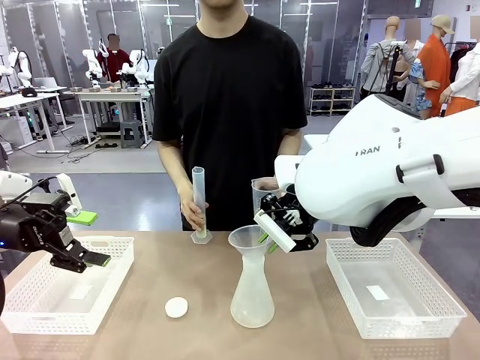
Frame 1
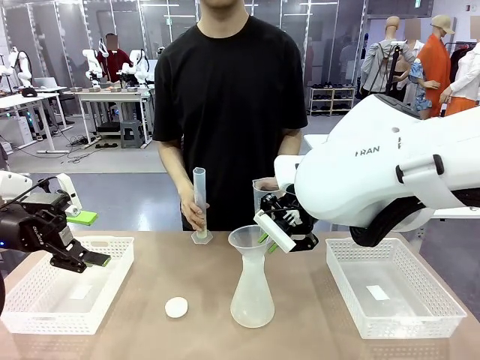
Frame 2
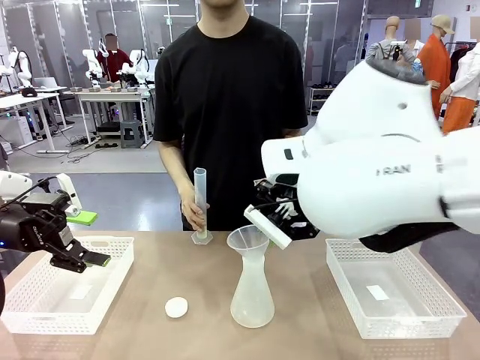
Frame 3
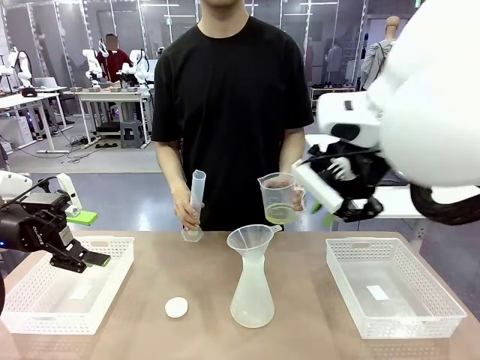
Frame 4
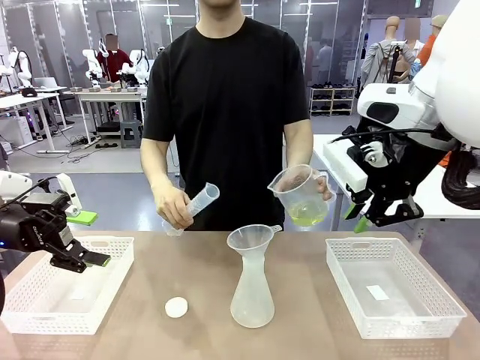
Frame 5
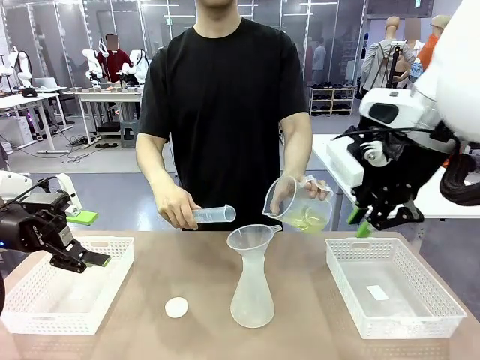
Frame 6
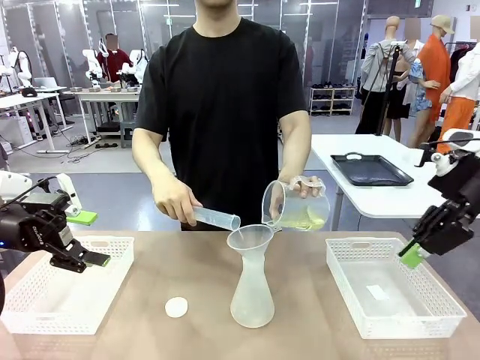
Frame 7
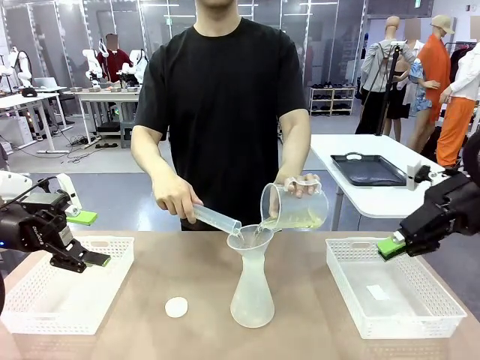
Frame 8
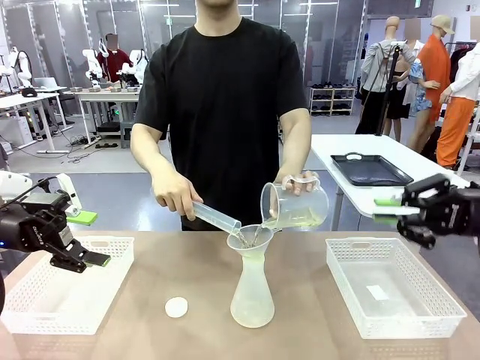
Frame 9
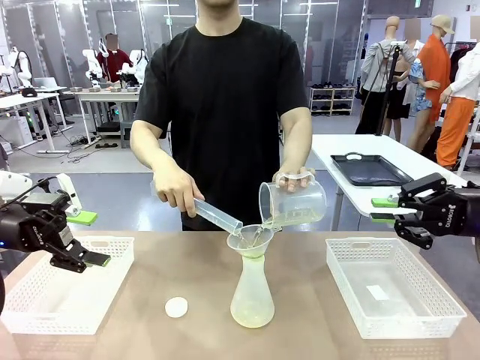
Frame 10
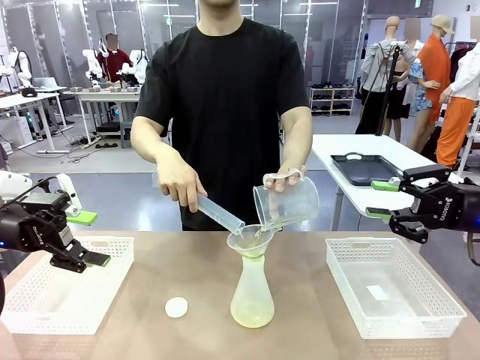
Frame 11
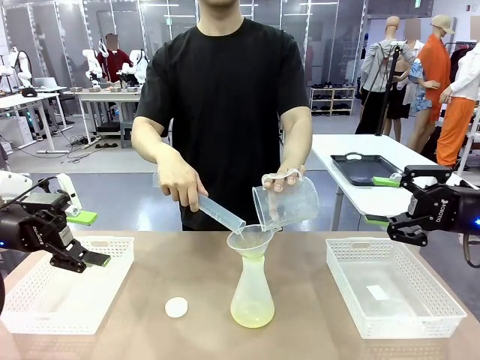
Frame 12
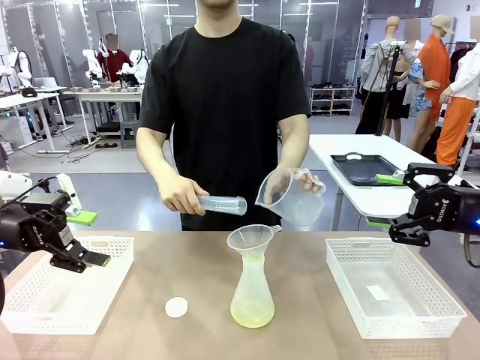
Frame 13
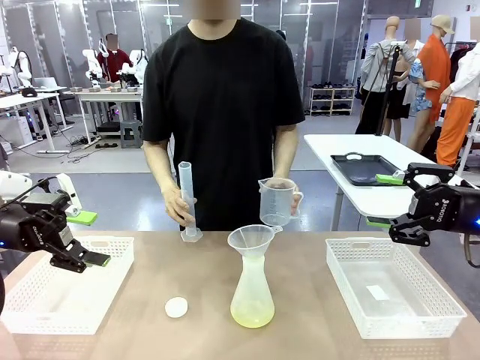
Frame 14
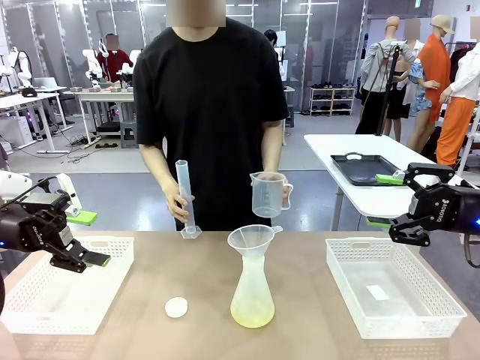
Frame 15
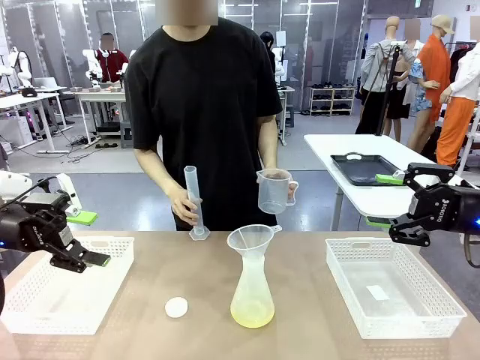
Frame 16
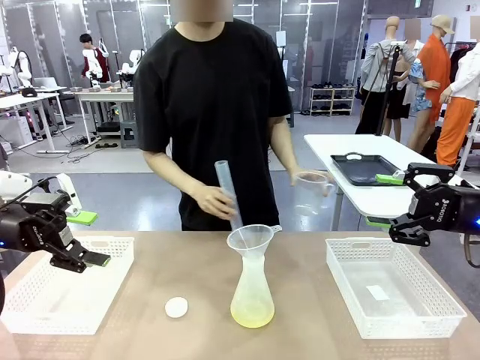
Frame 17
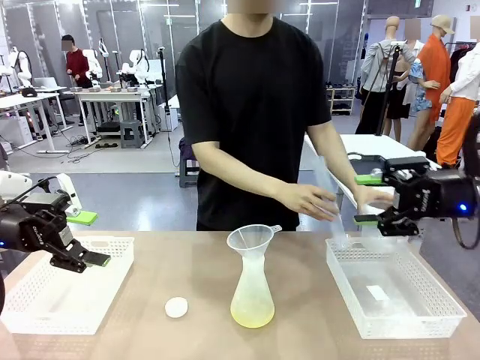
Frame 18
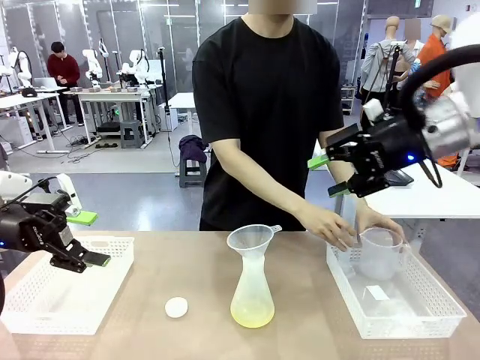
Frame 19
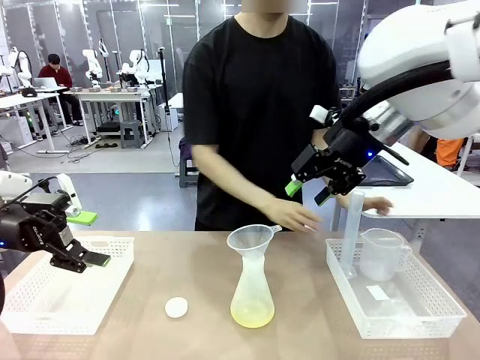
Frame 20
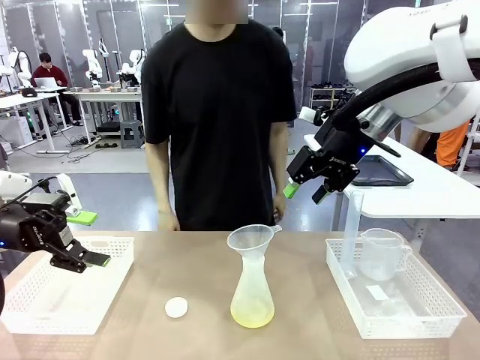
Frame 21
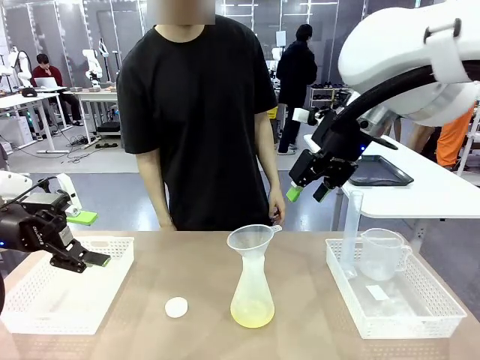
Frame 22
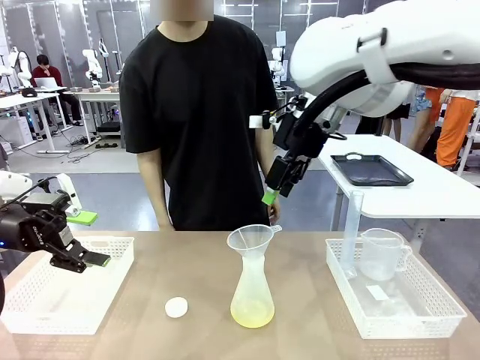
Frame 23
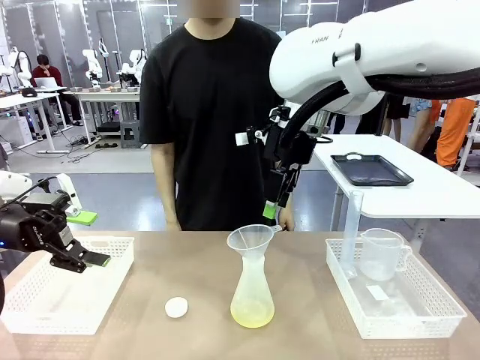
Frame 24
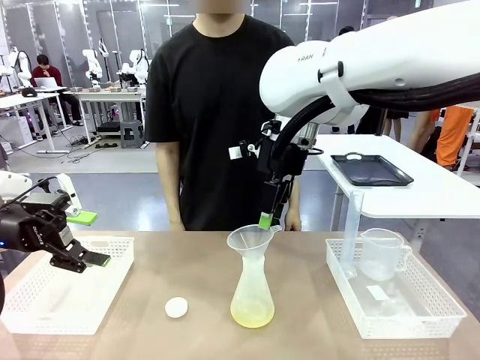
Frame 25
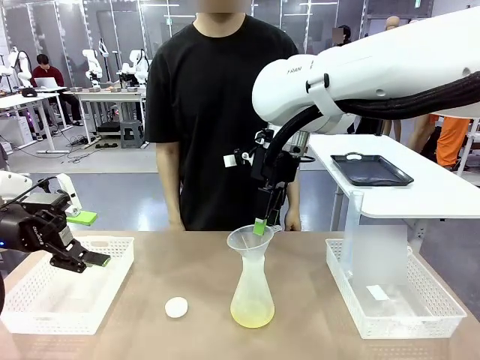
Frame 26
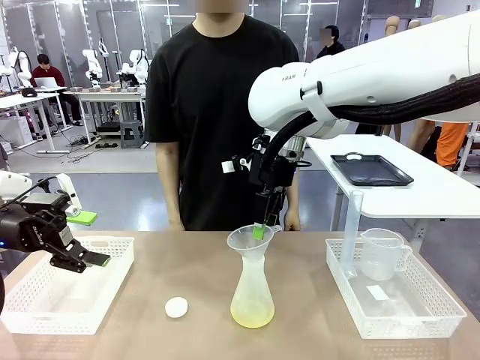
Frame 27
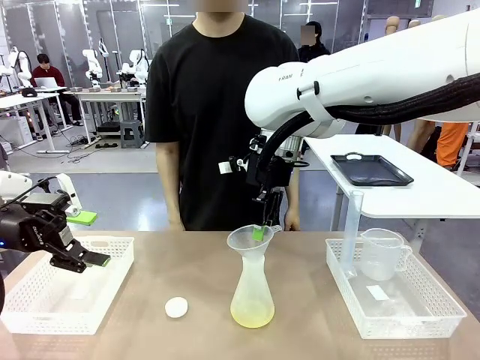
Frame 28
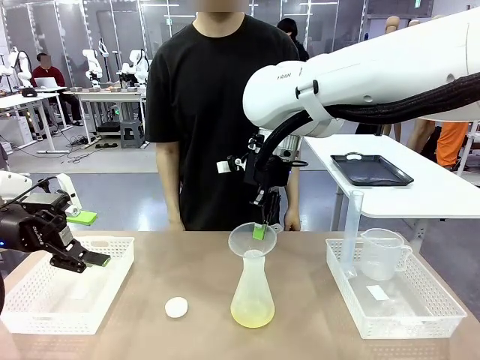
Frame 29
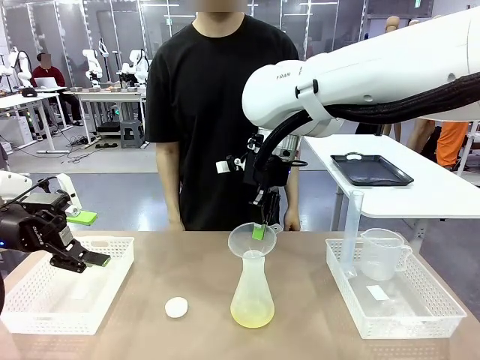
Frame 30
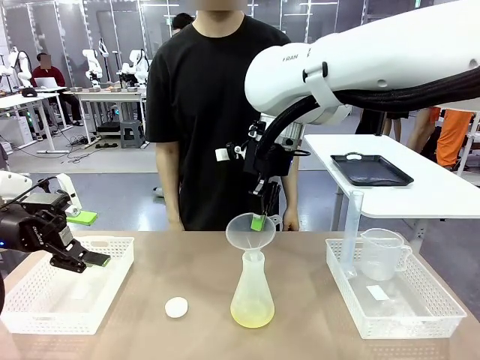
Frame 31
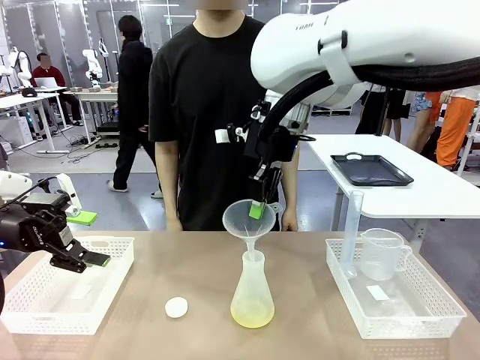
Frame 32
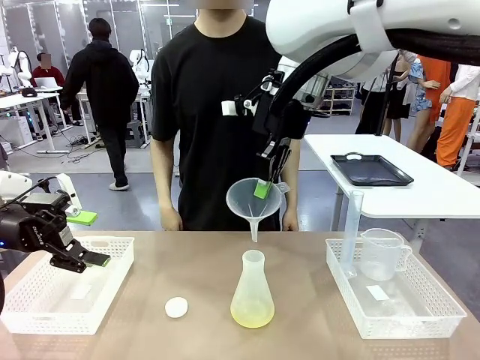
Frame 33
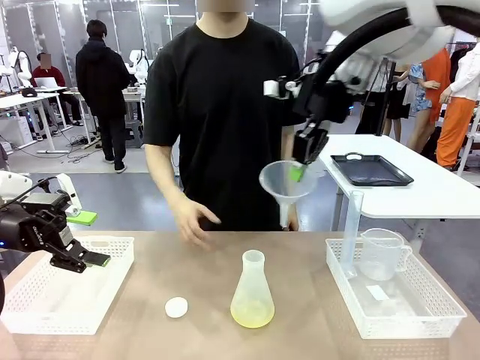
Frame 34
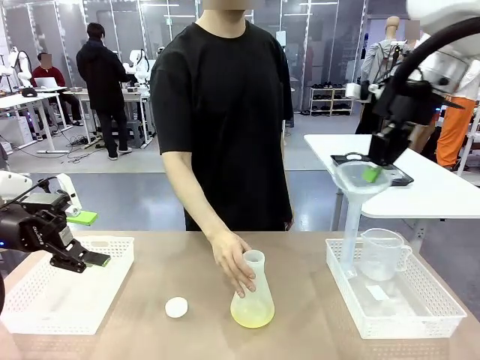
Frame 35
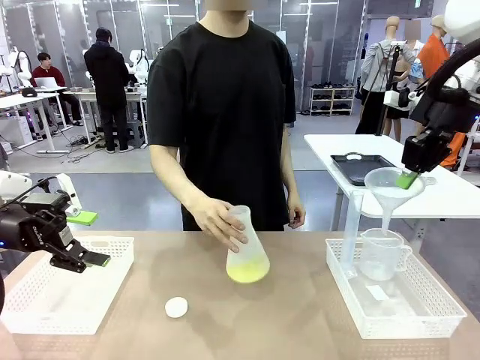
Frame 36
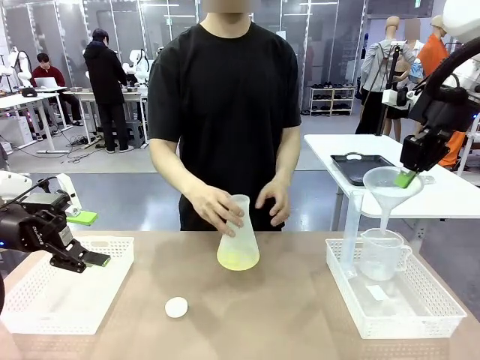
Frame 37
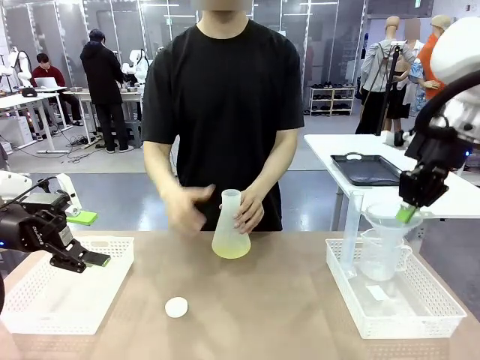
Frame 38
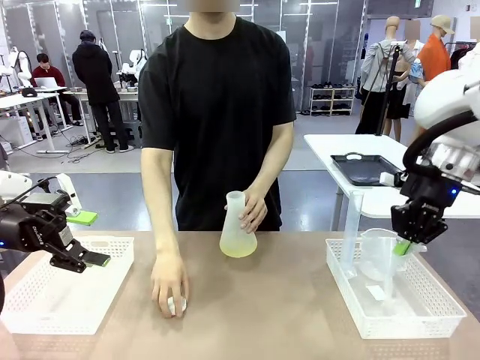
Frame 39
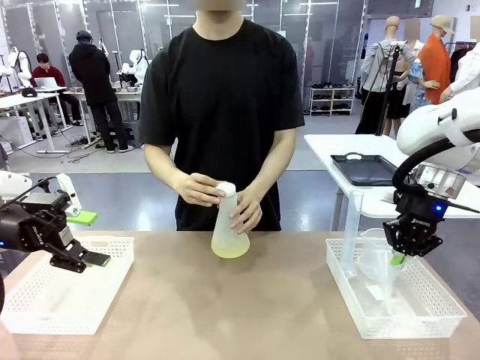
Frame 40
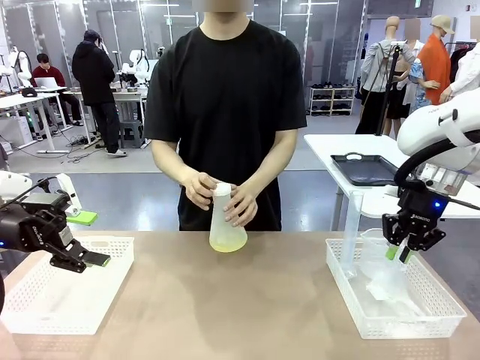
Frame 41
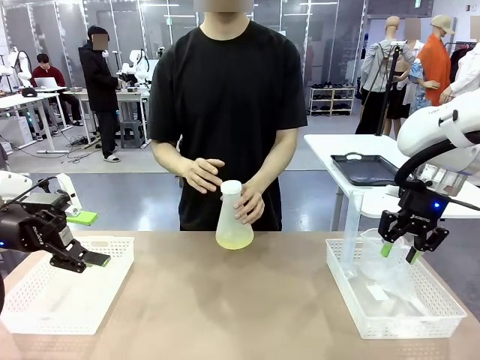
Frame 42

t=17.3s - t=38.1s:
Task: Prepare the solutions needed for the experiment.
Robot: Once the solution is in the Big flask , pick up the Plastic Funnel and place it back into the right Organizing basket.
Person: Place the beaker and the cylinder into the organizing basket on the left side. Pick up the flask, gently shake it 2–3 times, place it in the middle of the robot table, and close the lid.

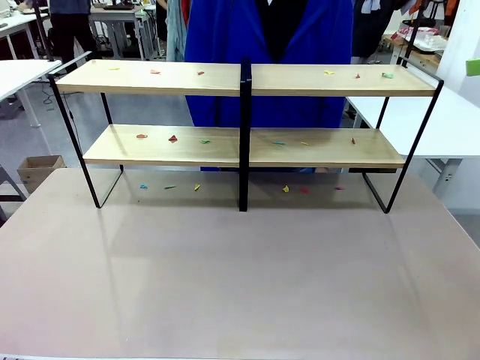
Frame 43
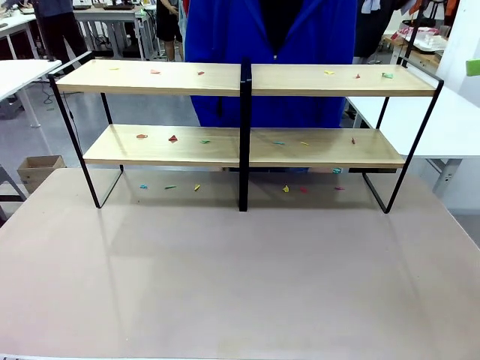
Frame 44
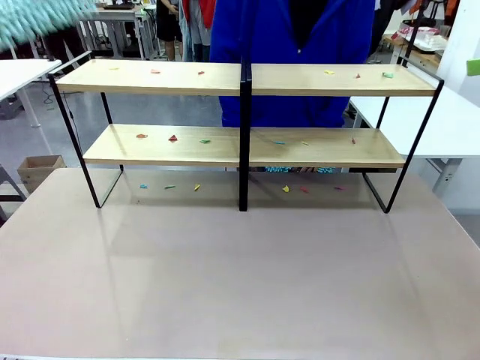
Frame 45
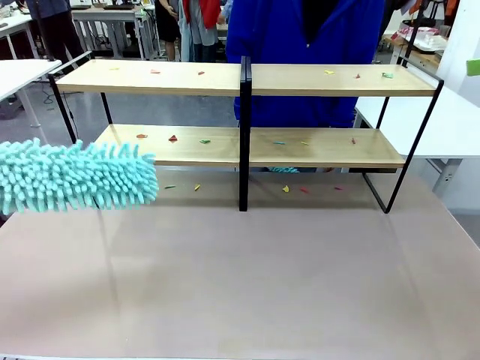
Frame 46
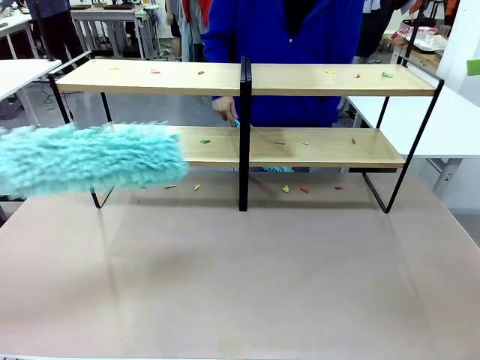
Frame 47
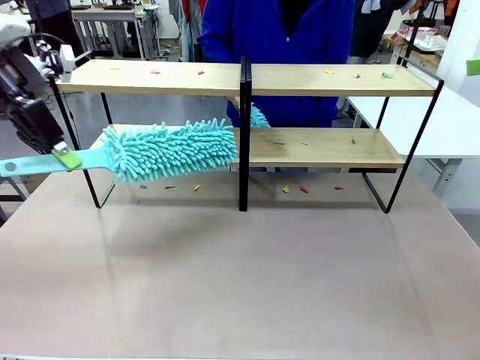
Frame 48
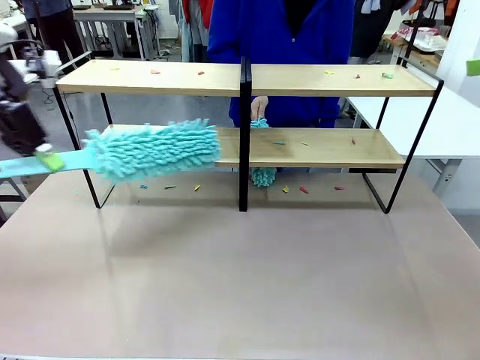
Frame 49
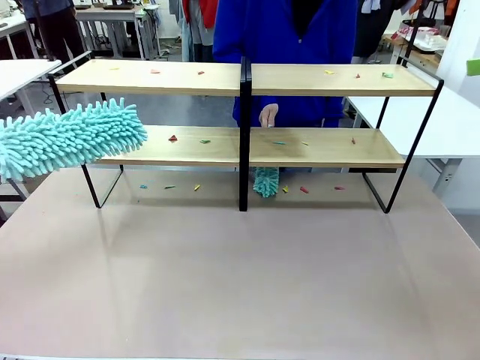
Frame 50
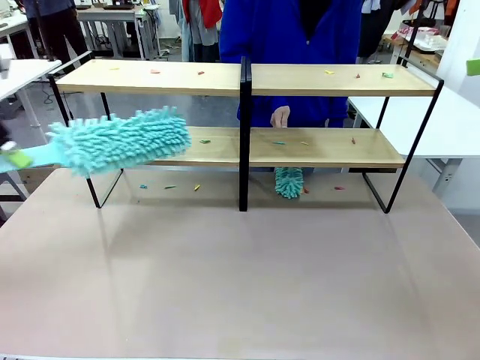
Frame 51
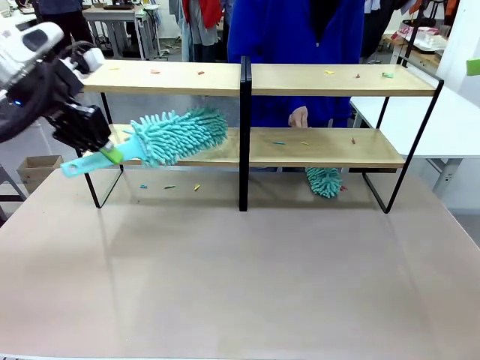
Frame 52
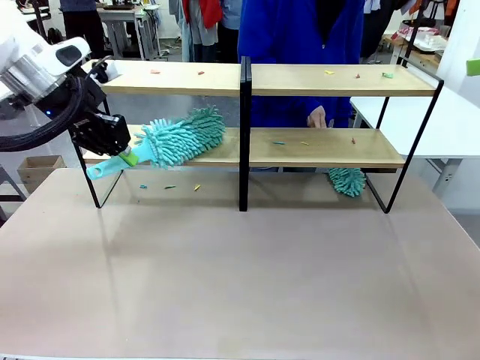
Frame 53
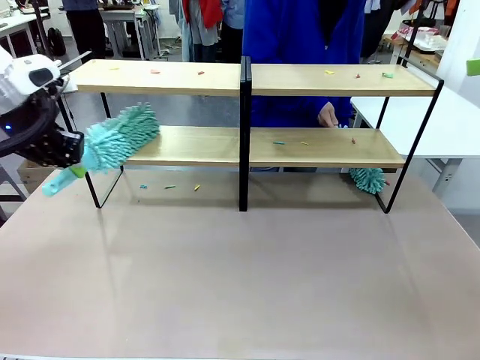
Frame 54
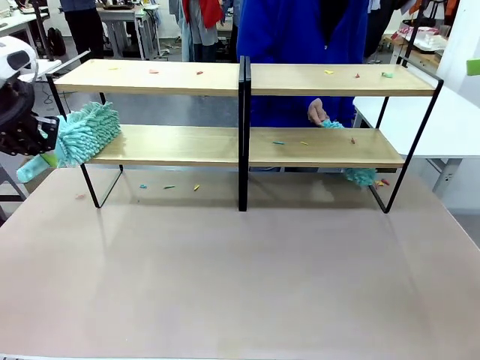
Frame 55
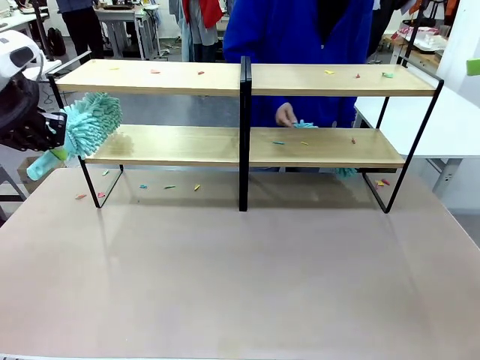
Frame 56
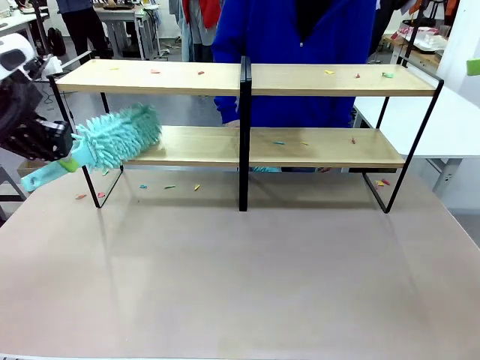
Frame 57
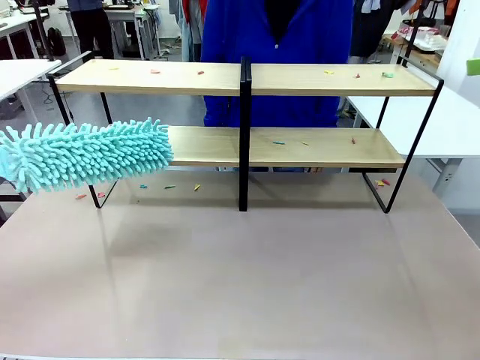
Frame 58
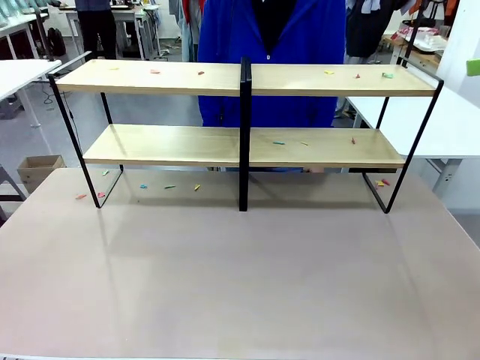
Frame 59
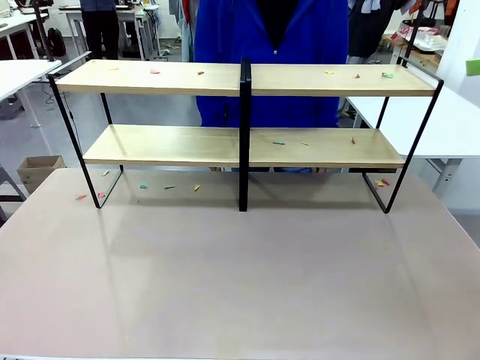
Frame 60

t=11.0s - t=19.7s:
Task: Clean the shelves.
Robot: Clean a randomly selected level of the Shelf with the Duster.
